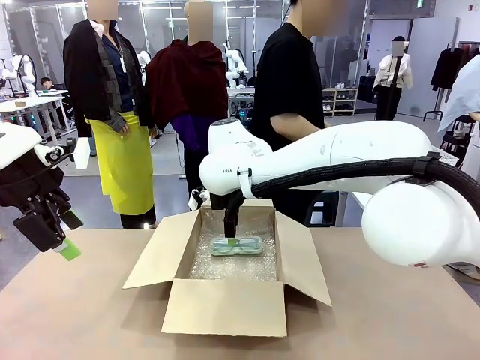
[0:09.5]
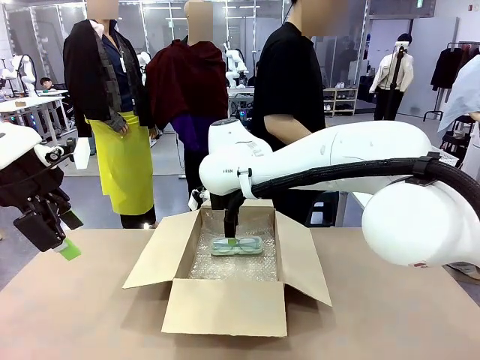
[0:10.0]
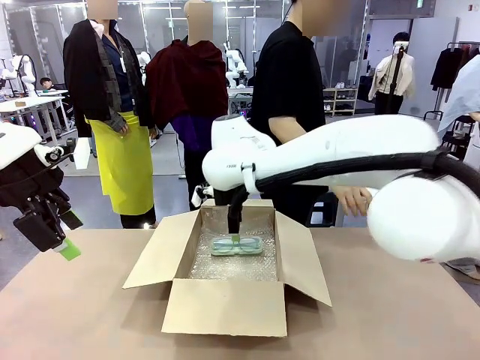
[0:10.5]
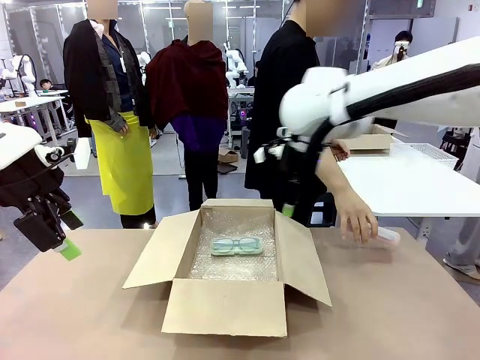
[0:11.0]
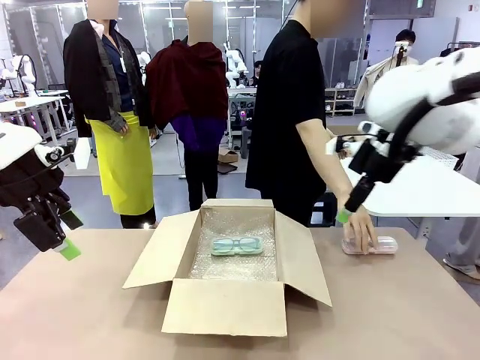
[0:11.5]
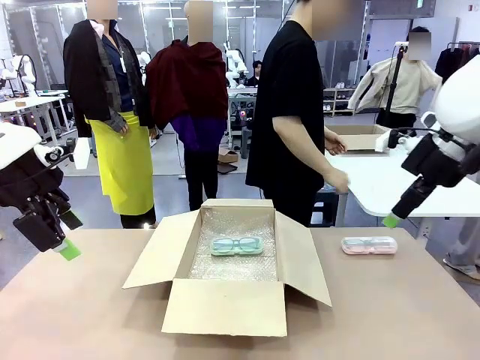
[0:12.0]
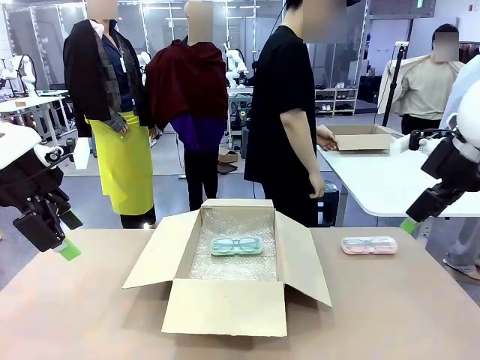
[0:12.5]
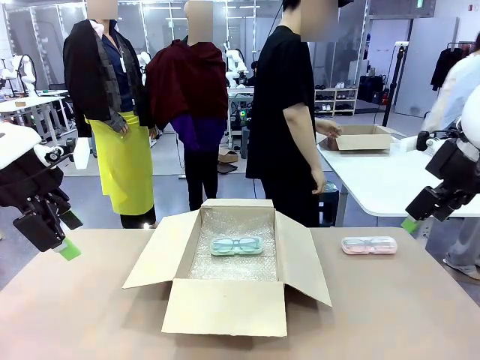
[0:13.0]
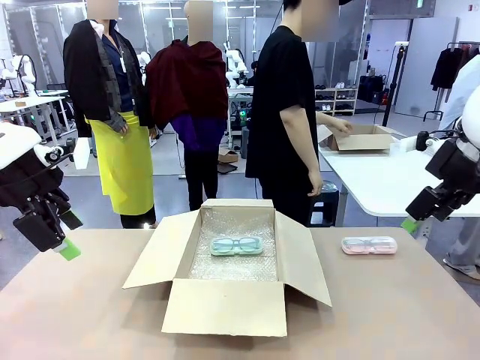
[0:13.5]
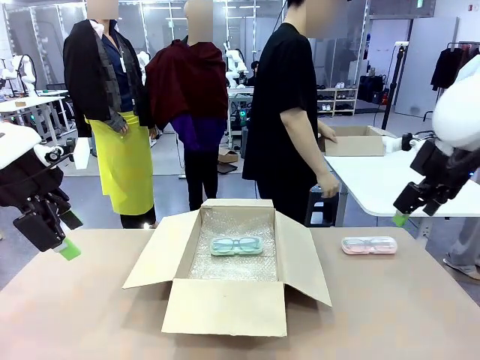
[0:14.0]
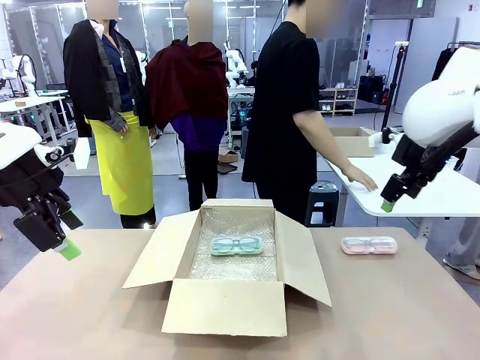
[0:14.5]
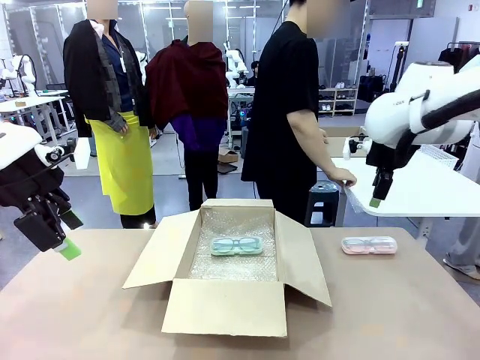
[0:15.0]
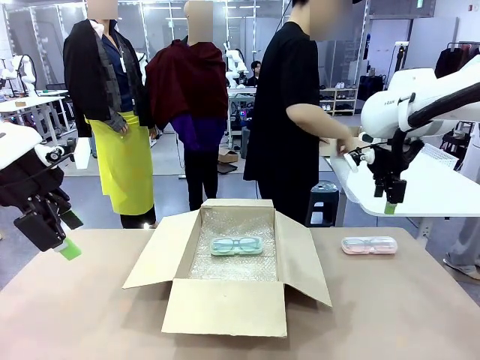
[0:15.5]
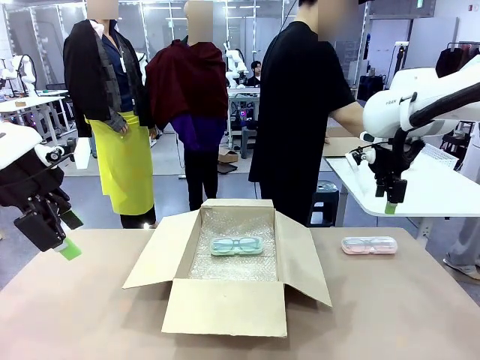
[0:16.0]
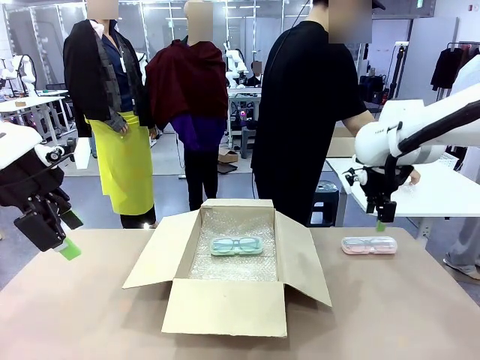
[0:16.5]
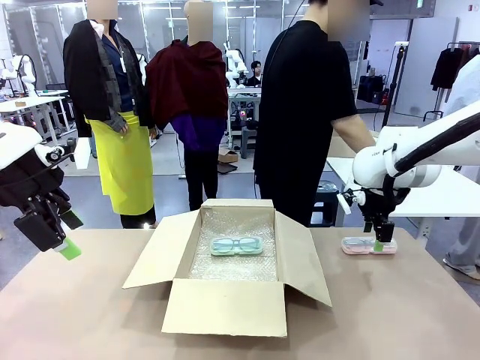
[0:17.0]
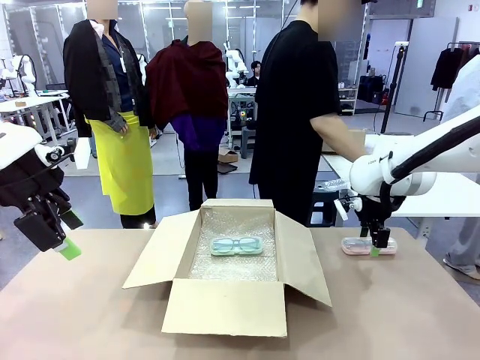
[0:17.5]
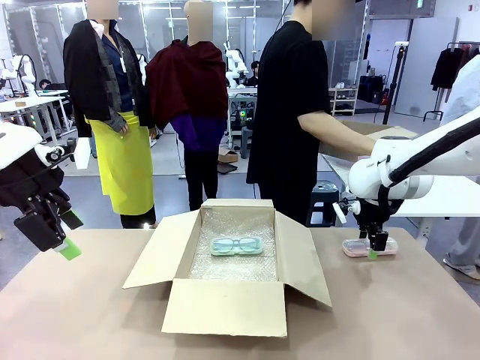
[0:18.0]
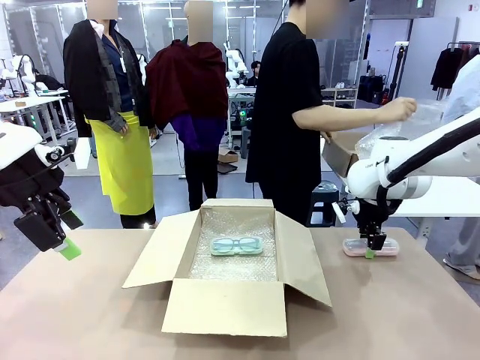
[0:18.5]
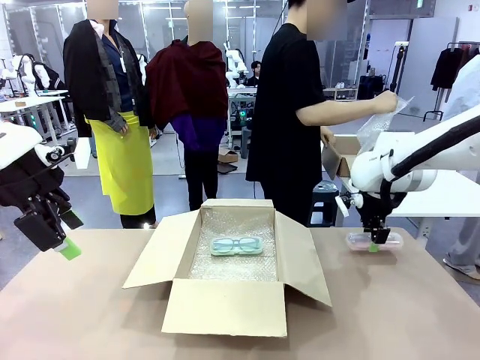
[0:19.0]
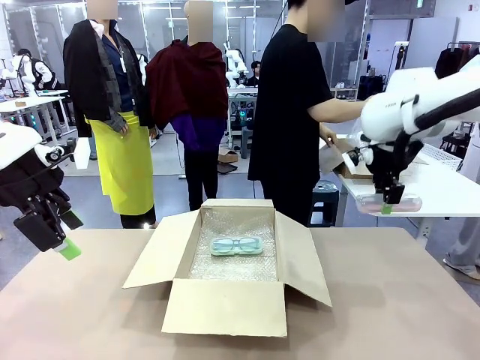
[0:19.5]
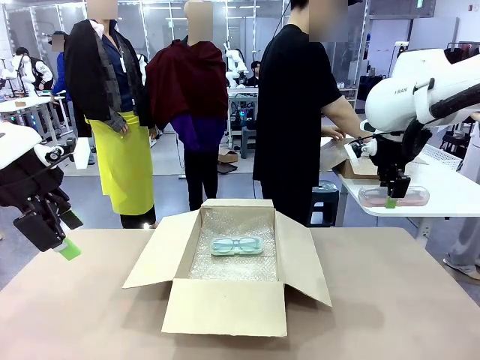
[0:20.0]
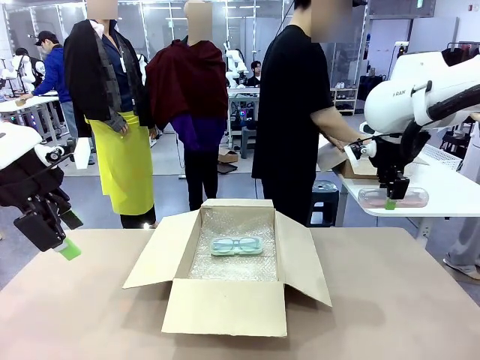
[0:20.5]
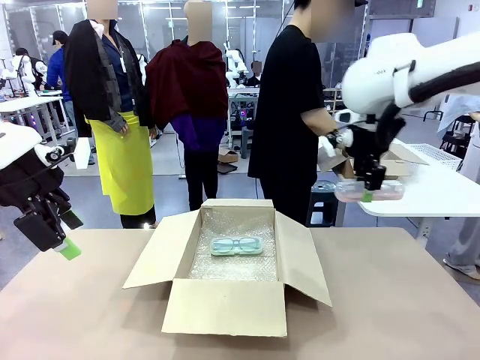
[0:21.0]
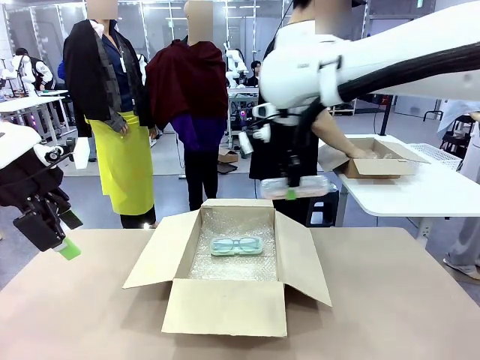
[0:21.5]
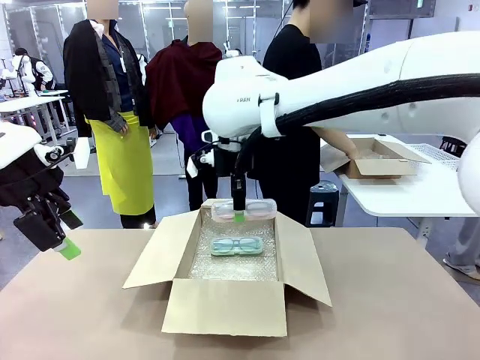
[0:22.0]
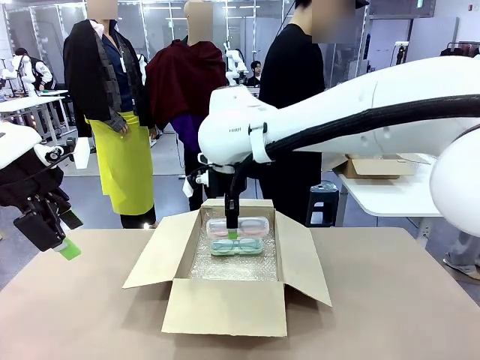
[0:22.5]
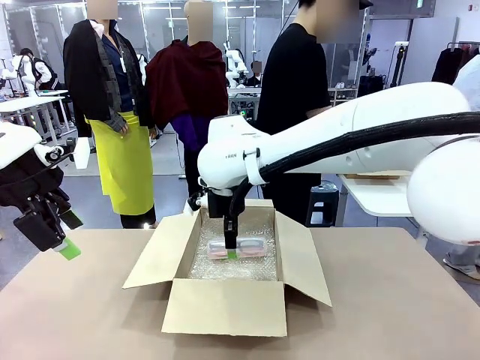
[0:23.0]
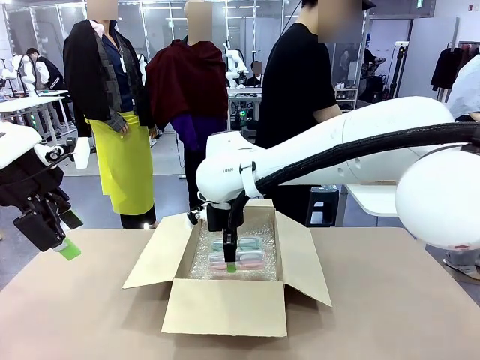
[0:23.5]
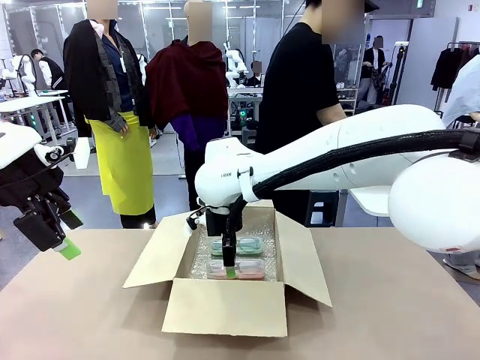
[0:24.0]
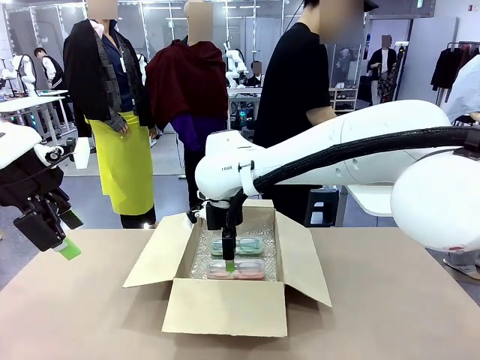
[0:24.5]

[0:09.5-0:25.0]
Task: Pack the glasses set securely to prepare it for shipping.
Robot: Put the Glasses case from the right side of the table into the Package Box.
Person: Position the Glasses case on the left side of the robot's table.

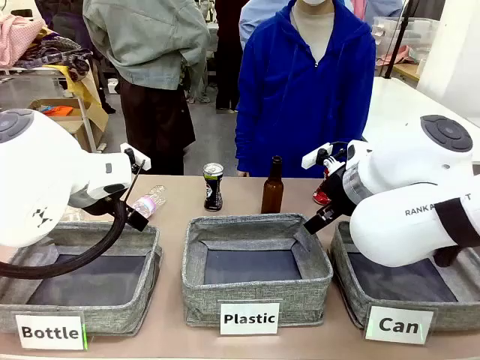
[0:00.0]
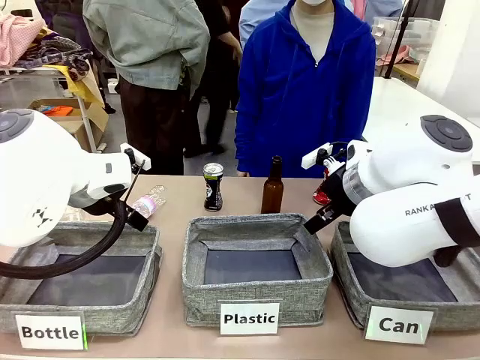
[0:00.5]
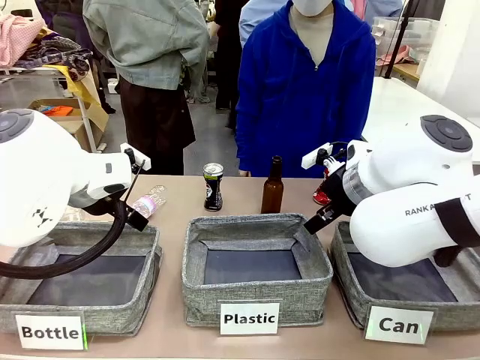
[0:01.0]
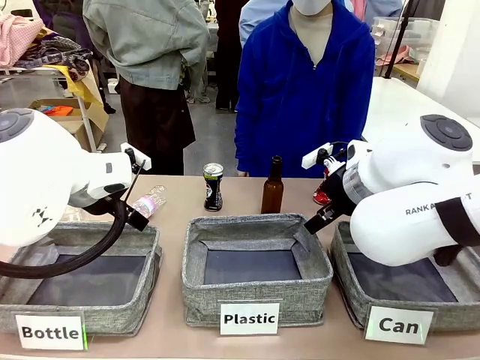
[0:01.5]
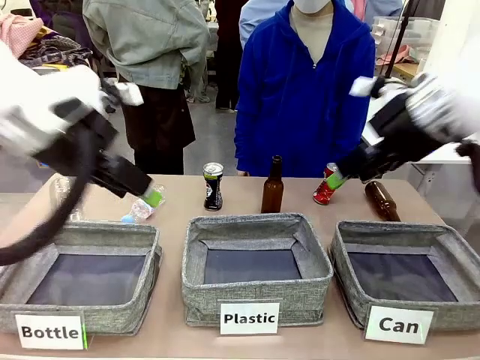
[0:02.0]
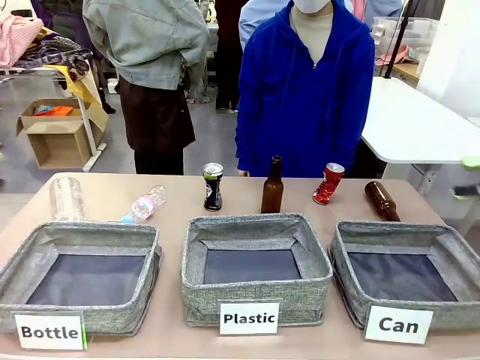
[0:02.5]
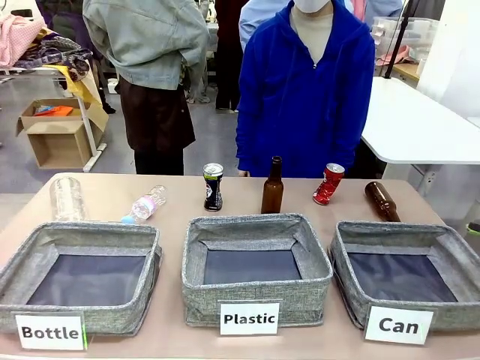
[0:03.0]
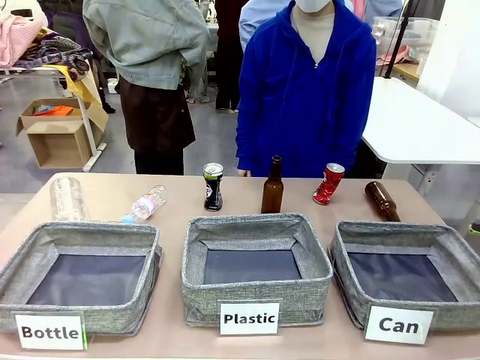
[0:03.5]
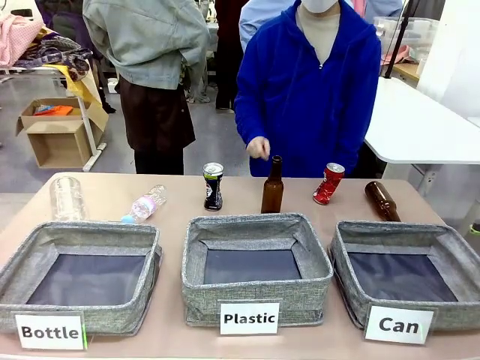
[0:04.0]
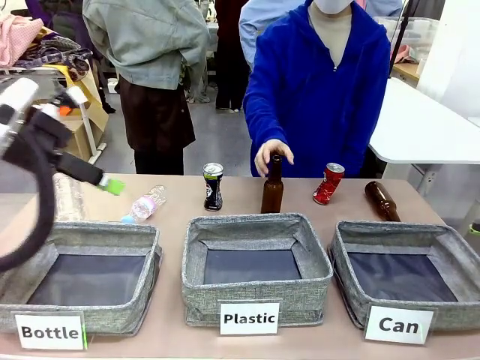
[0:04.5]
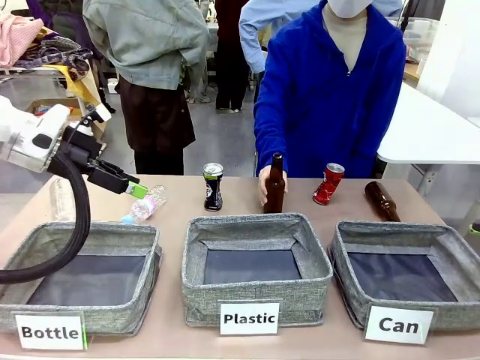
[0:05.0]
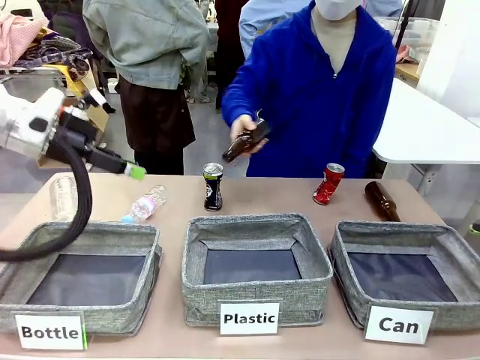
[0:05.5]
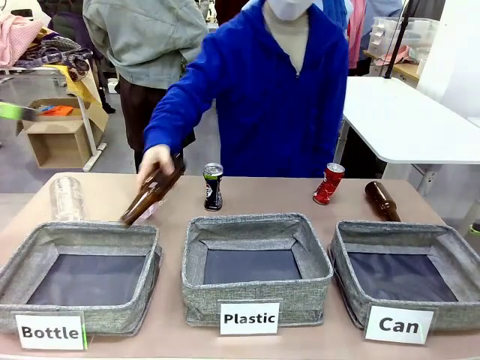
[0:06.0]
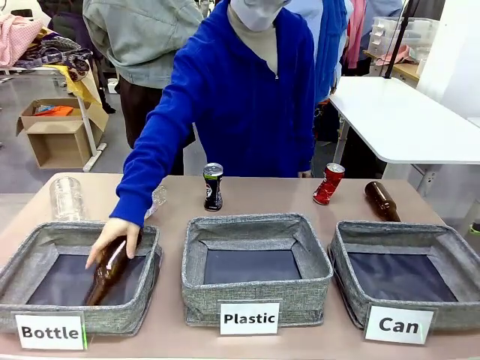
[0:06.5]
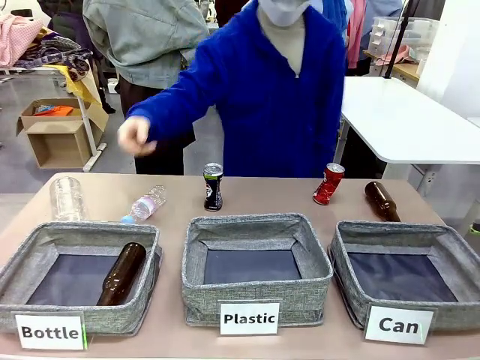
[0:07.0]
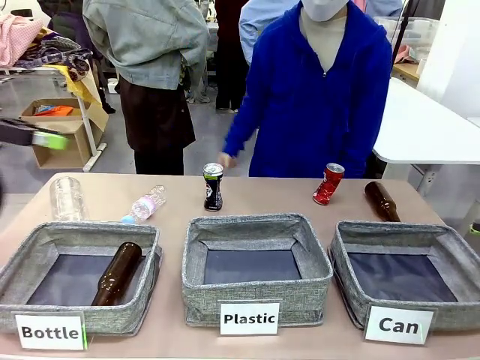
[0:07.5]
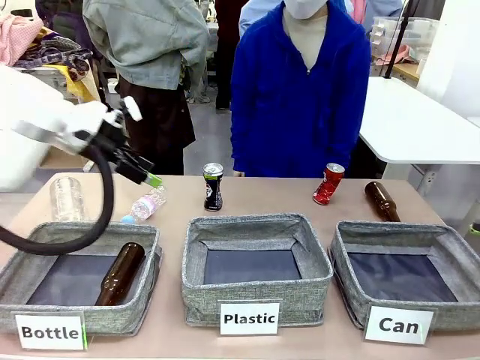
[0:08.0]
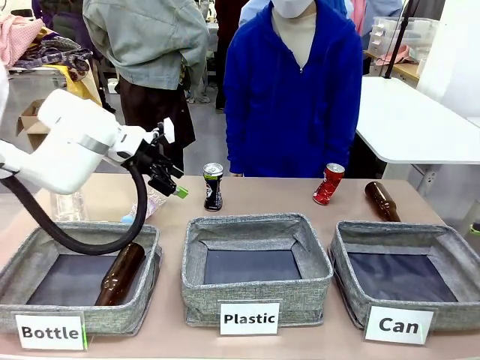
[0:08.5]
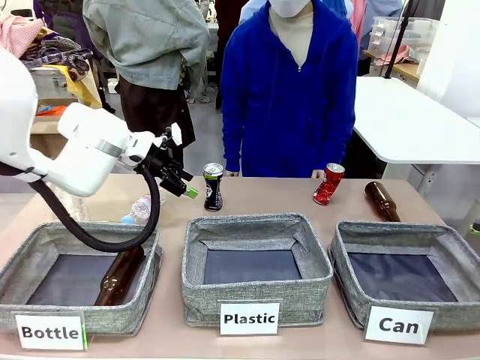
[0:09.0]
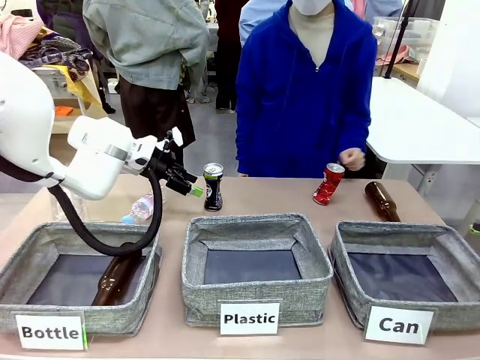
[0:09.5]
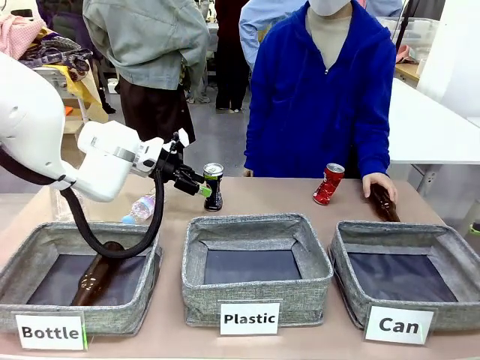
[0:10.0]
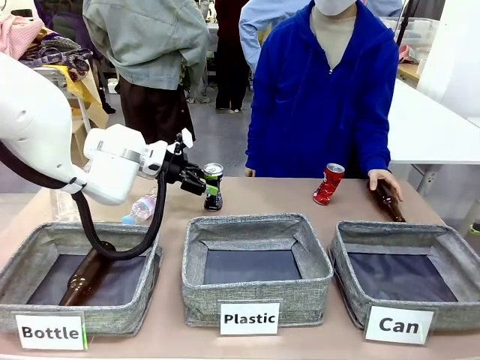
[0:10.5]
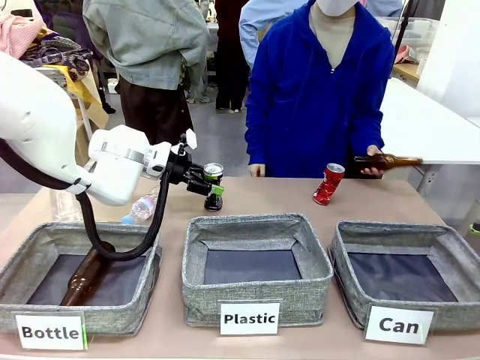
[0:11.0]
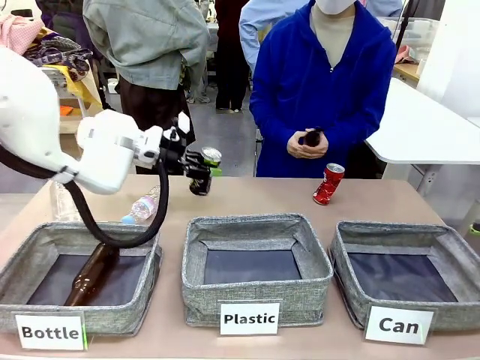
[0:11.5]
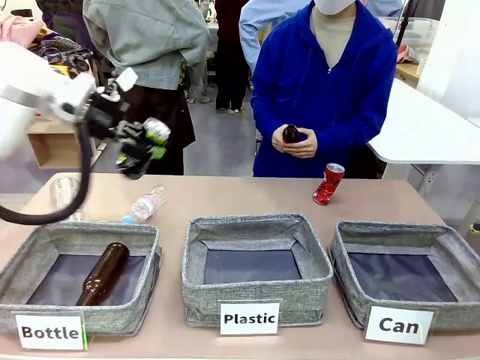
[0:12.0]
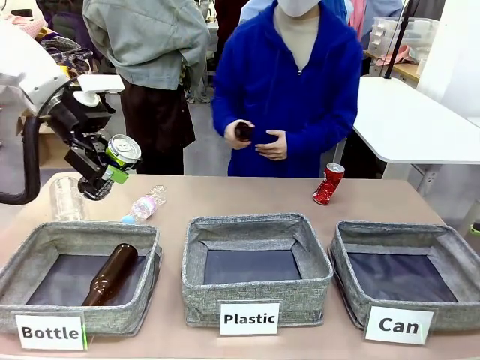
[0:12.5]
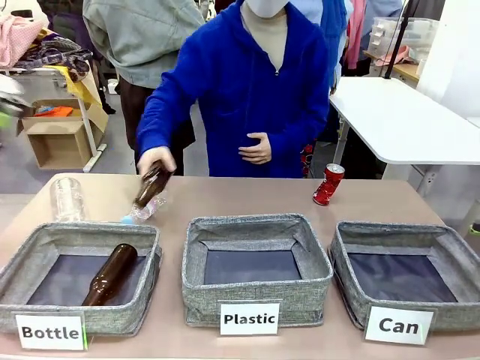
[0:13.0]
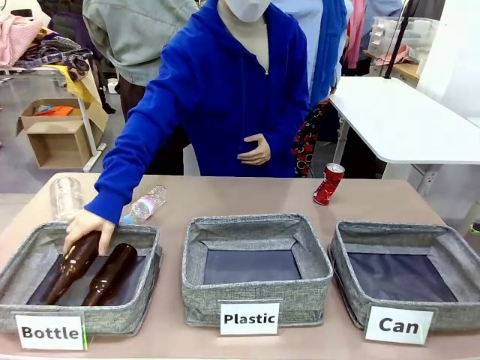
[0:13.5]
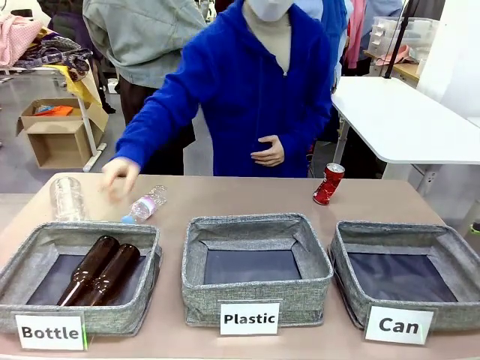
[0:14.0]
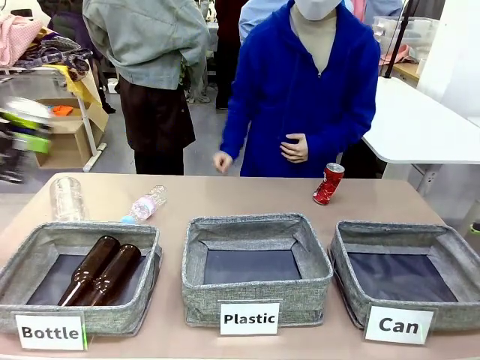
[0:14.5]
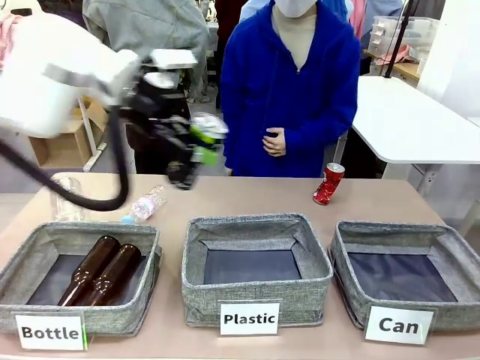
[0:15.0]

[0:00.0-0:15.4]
Task: Sort the can waste into the basket.
Robot: Pick up the can waste from the table and place it in the right Fabric basket.
